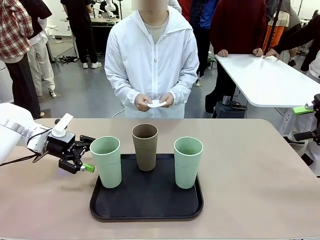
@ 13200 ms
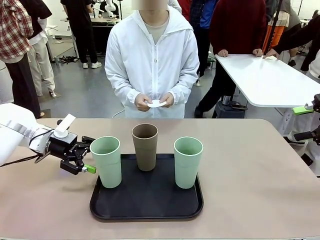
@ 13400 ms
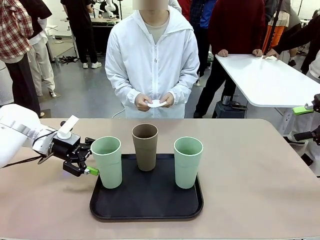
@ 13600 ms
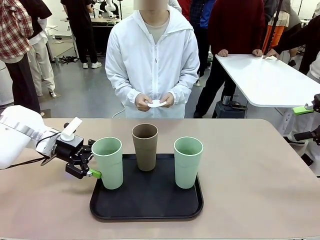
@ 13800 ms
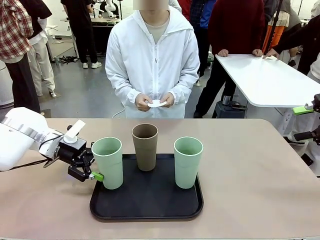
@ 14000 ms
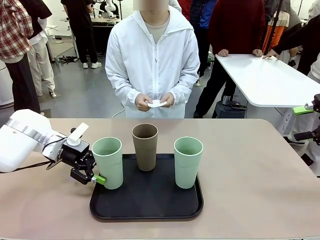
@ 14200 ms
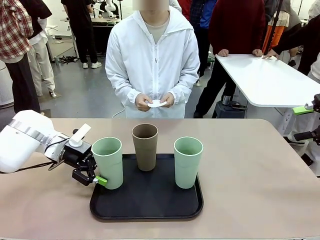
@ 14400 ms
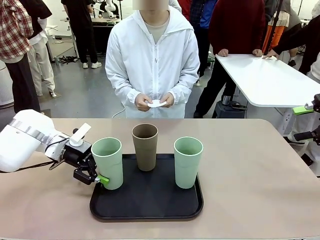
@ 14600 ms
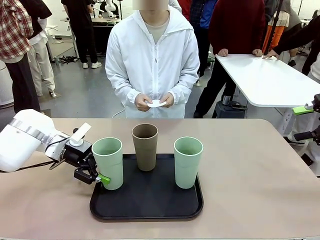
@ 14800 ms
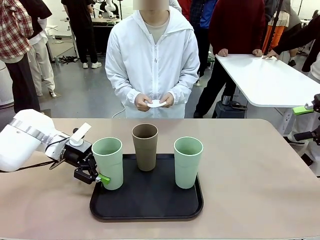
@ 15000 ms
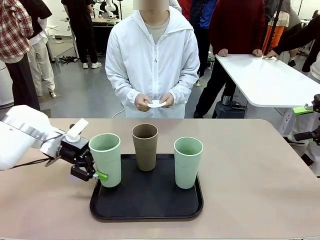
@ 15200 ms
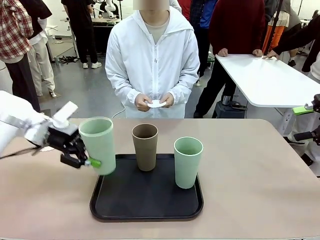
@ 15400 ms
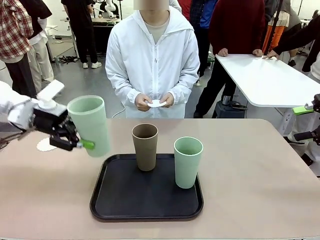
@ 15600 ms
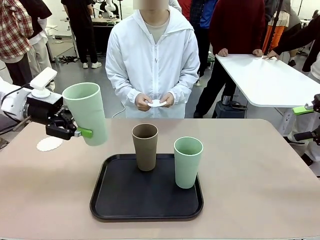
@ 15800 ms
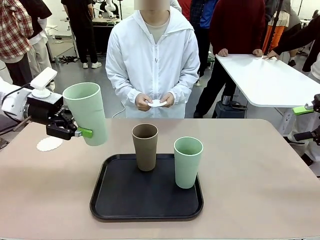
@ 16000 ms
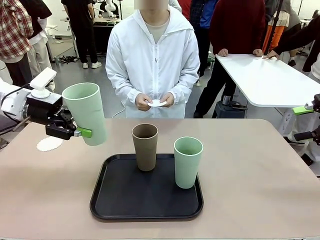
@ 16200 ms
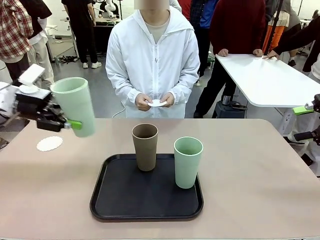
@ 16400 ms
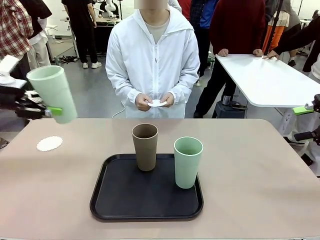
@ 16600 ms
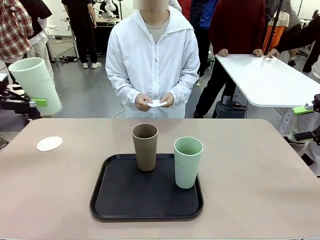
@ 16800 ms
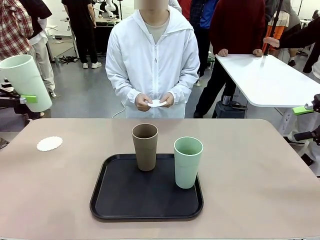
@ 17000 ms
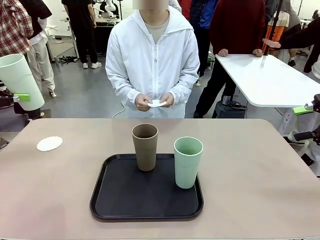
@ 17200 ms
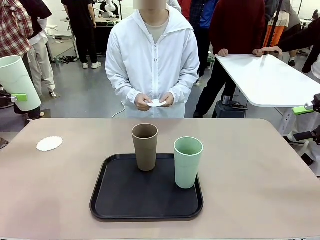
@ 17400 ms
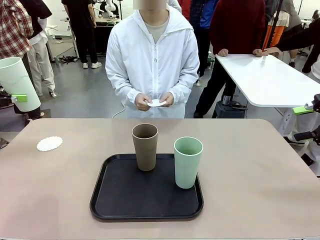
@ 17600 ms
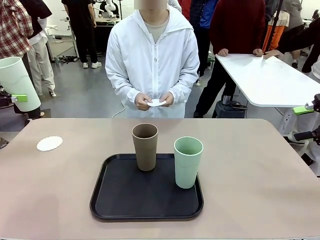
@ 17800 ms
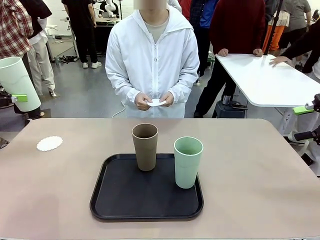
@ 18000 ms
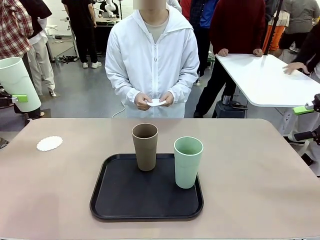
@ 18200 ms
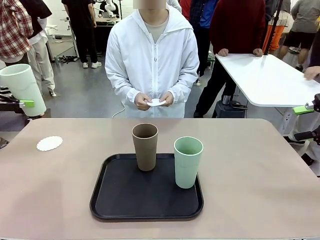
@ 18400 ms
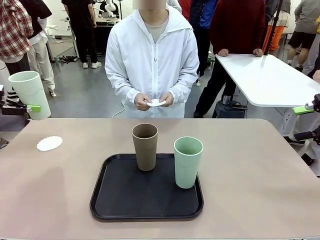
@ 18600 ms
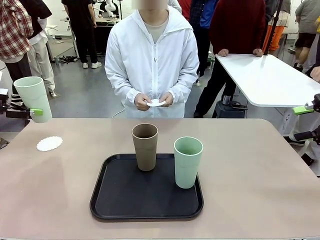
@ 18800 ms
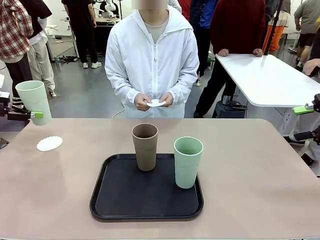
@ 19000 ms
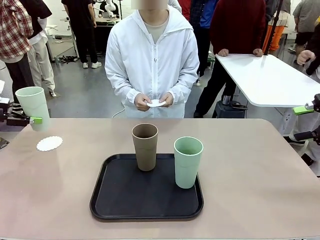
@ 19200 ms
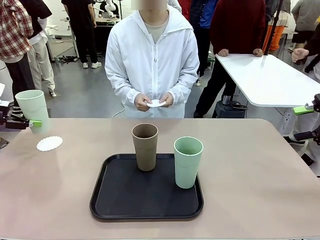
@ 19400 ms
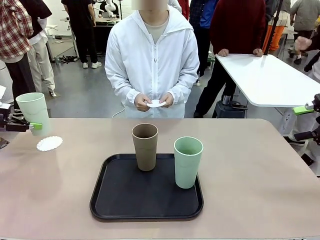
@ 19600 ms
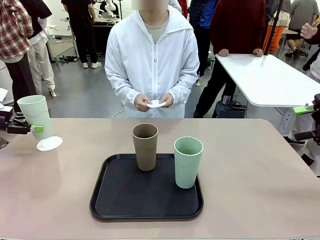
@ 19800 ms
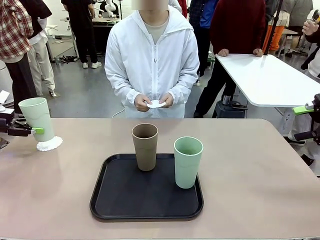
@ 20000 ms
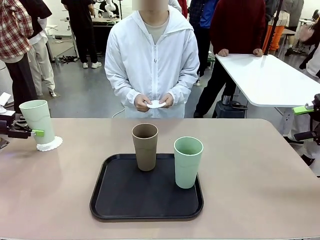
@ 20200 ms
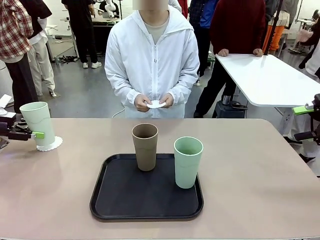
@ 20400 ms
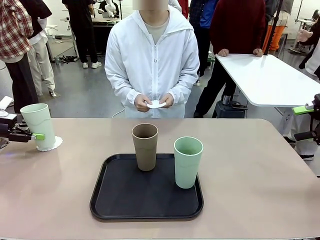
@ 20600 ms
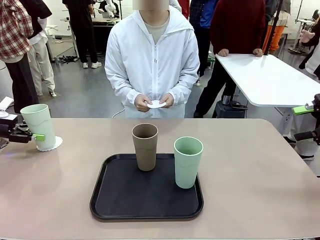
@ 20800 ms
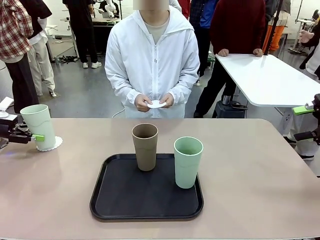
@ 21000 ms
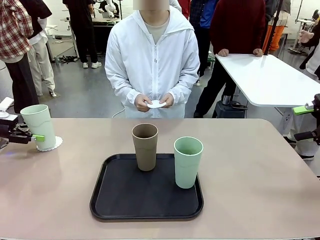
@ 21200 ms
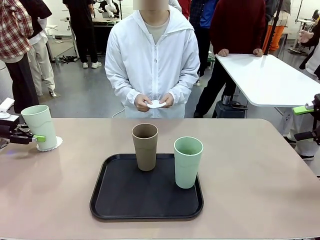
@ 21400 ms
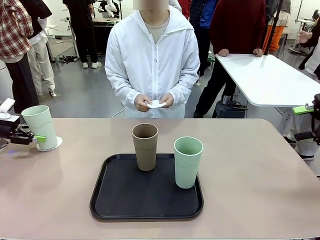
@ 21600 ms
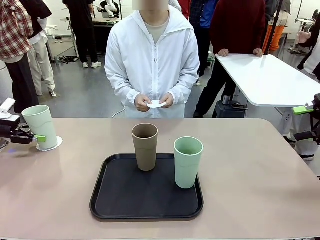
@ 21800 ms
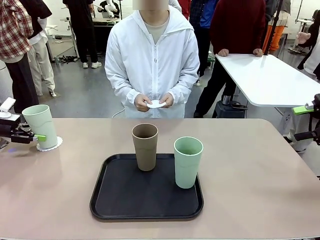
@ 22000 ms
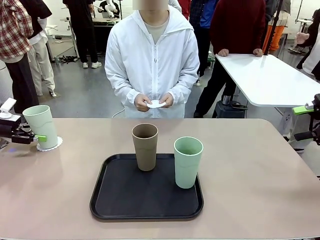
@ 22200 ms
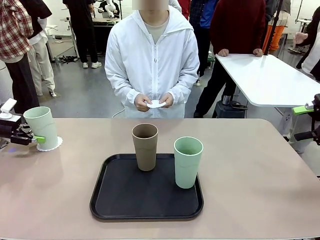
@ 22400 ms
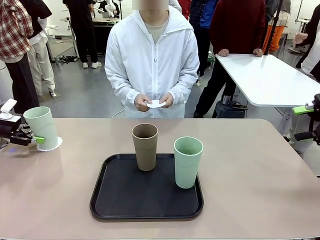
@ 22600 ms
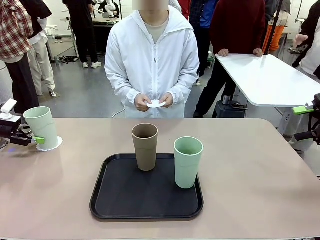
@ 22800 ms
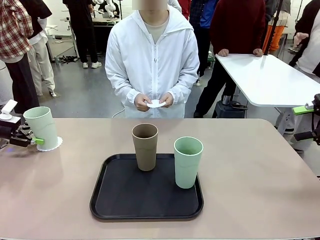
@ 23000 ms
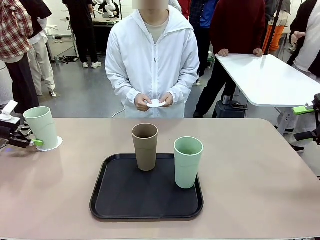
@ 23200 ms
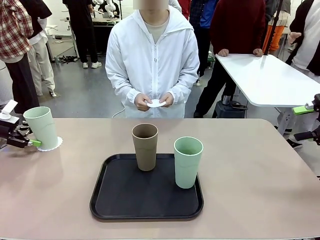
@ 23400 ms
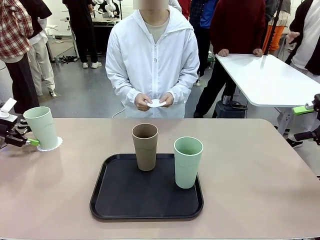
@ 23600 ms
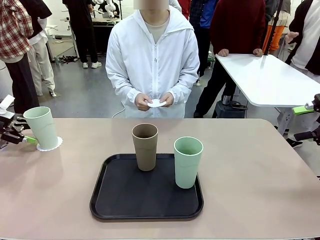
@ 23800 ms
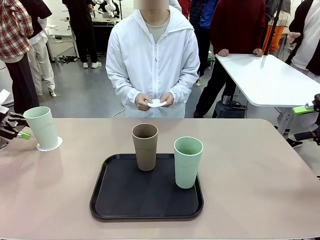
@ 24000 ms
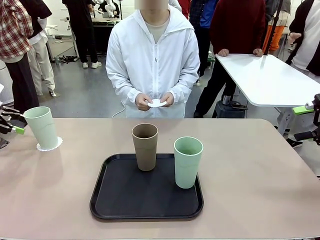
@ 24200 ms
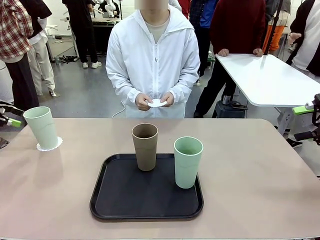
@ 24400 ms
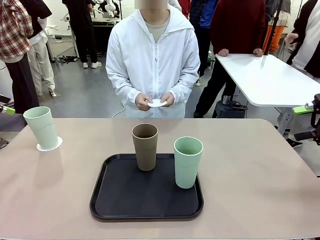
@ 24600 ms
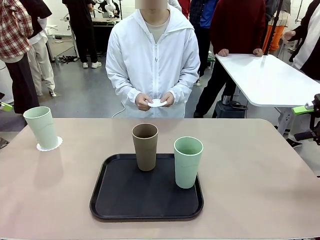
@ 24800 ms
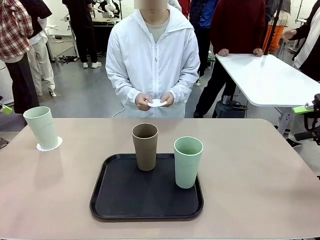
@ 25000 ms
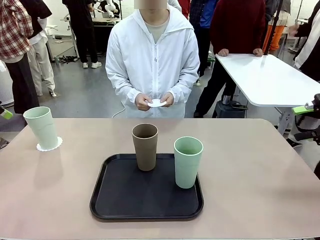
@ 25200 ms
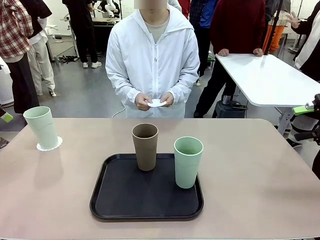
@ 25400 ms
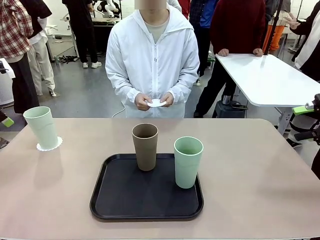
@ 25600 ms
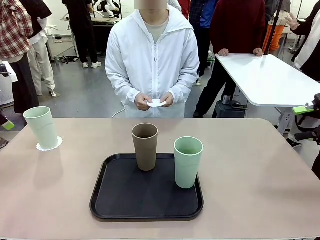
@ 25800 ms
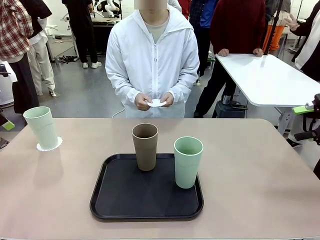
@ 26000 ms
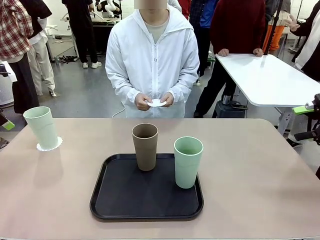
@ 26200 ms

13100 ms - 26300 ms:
Task: Place coasters on the table and set cups on them.
Robot: Pick up one Reusable plastic cup and place it on a coaster set by the human.
Person: Place one coaster in one of the two areas excluding the previously selected area.

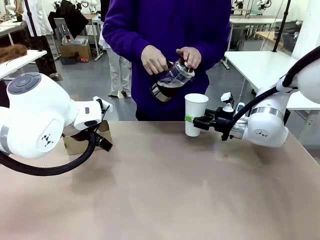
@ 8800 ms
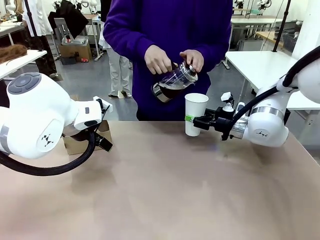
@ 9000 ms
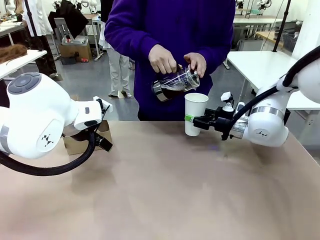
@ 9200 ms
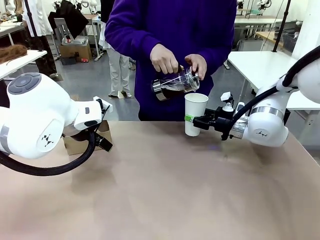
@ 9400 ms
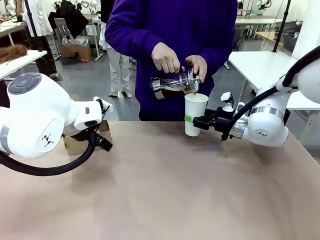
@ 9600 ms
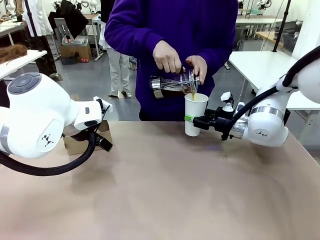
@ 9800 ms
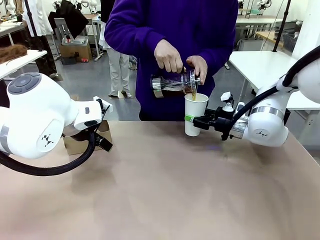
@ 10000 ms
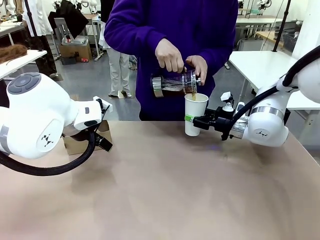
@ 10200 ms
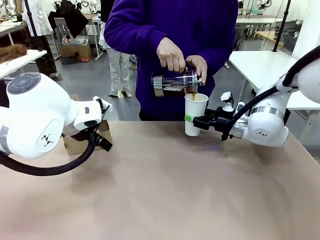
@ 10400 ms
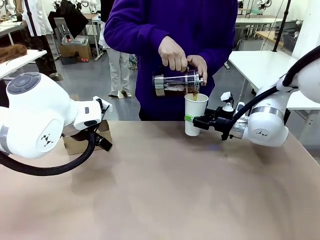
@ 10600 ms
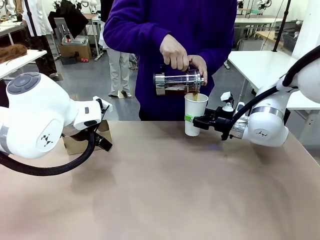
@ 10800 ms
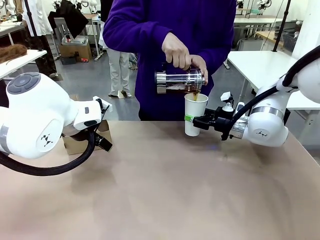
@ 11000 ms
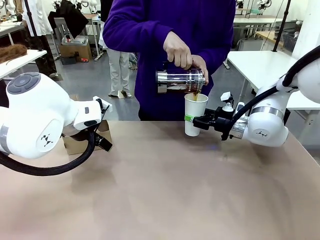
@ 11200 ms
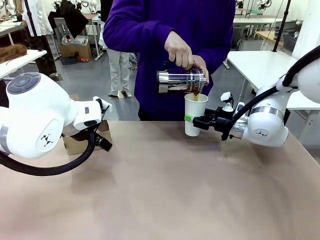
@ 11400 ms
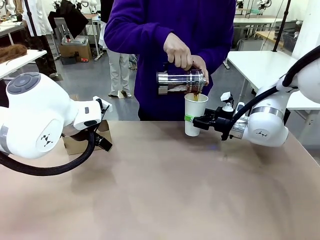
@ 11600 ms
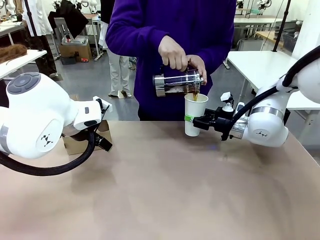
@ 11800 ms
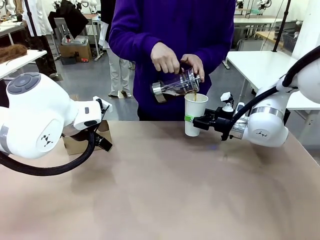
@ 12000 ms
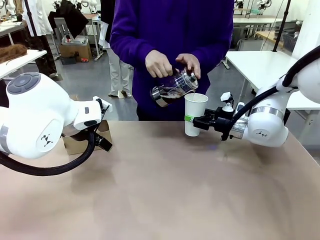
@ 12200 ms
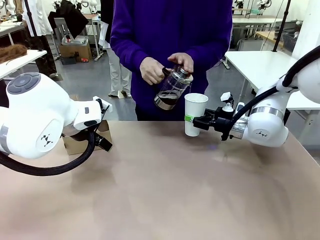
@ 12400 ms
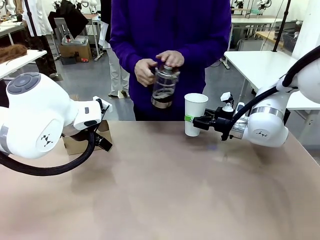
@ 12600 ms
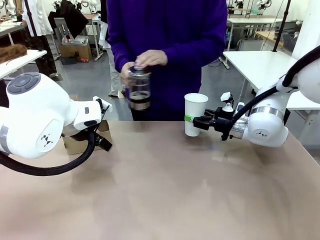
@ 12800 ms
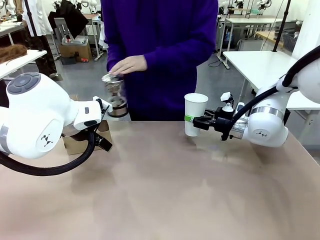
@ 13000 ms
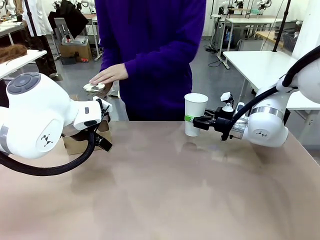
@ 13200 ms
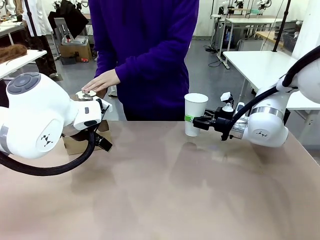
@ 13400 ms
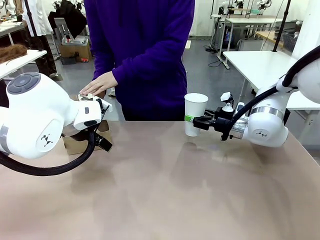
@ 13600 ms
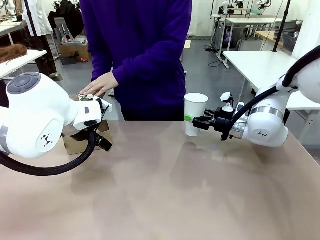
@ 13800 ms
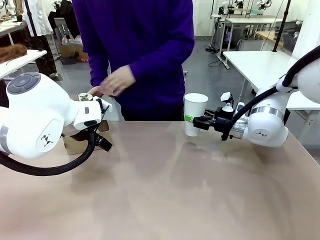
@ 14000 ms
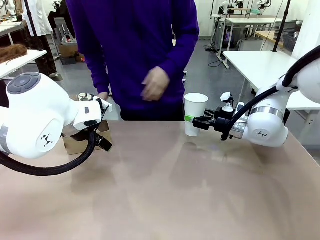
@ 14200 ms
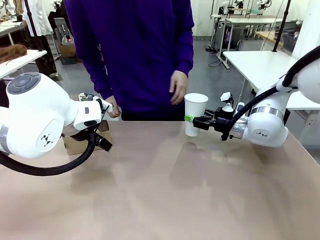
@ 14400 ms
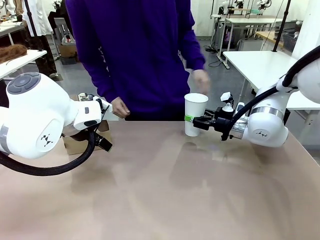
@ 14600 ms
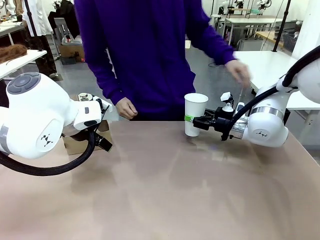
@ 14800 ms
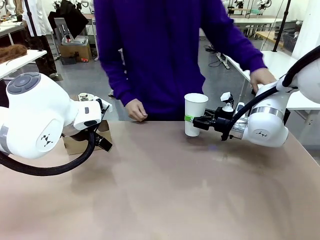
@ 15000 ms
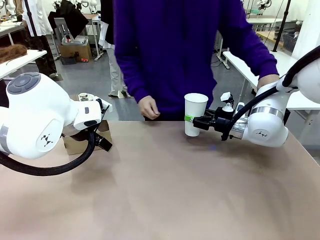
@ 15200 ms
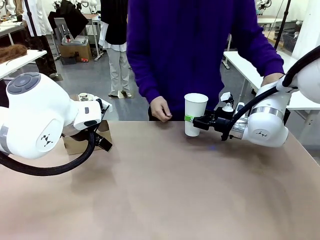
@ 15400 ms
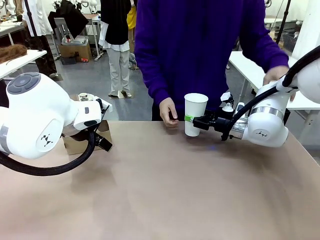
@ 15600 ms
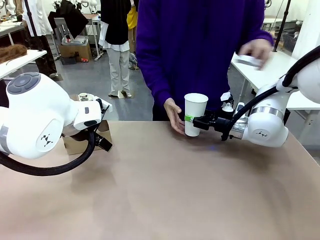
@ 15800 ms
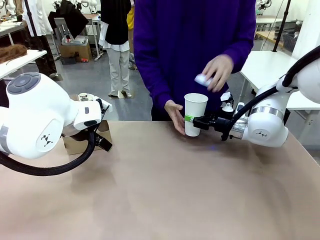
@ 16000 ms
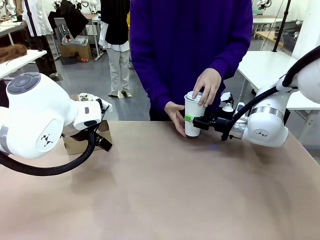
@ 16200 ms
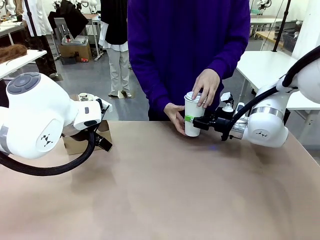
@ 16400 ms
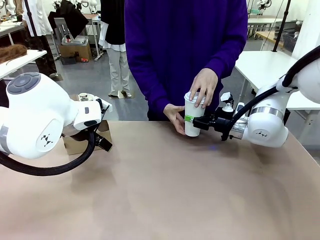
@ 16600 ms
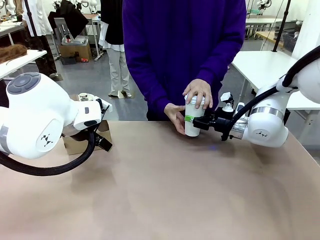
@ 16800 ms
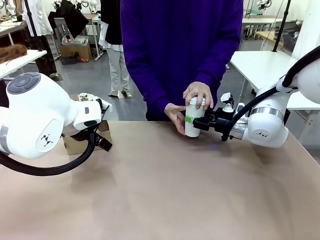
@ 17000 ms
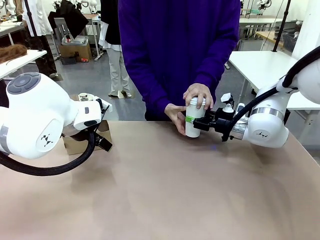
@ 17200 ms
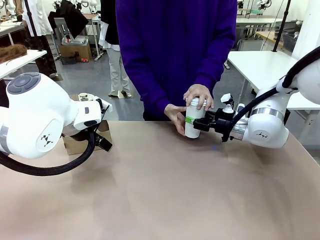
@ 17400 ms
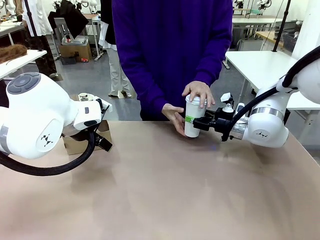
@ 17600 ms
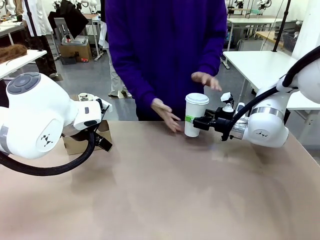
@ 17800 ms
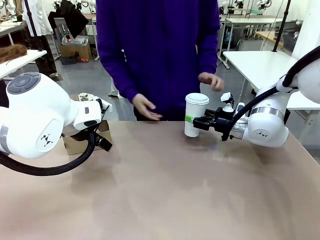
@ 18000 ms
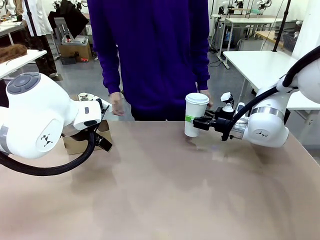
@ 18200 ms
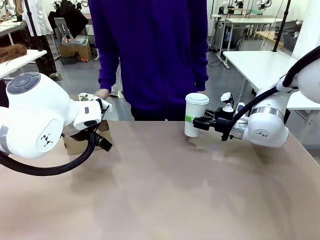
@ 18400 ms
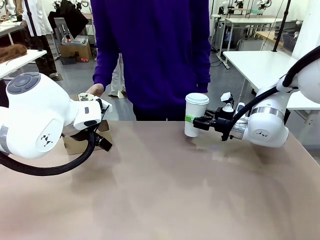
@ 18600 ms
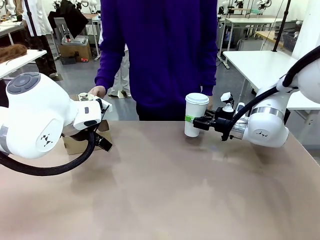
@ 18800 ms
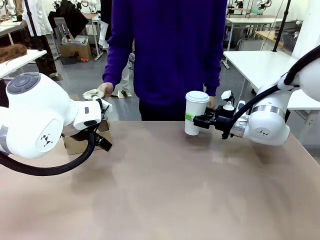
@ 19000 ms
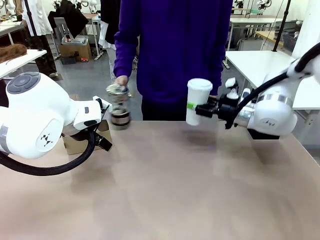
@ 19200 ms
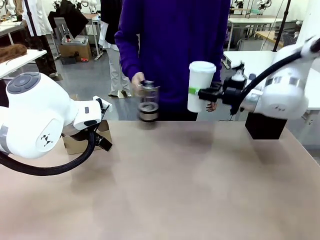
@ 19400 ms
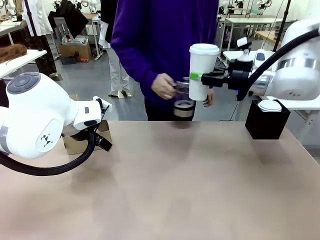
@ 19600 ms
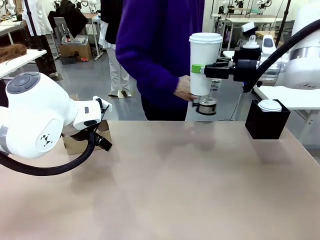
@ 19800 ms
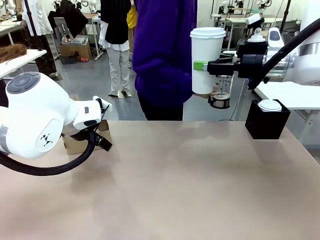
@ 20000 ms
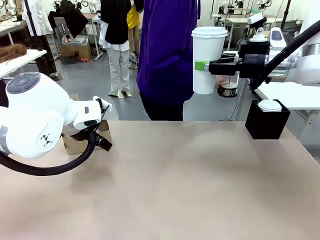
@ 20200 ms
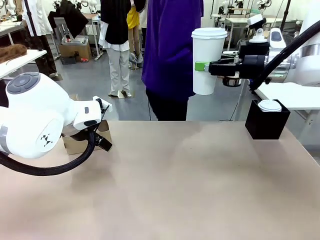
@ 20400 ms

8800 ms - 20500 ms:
Task: Pour a drink into a cup and package it in a carrier.
Robot: When a person places the Paper Cup Lid on the 600 ml Paper Cup , lift the 600 ml Paper Cup.
Person: Pour the drink from the Filter Brewing into the 600 ml Paper Cup. Place a Paper Cup Lid on the 600 ml Paper Cup.
